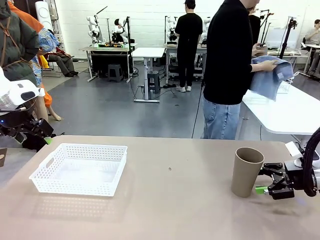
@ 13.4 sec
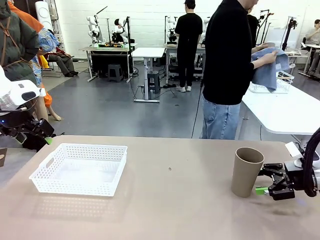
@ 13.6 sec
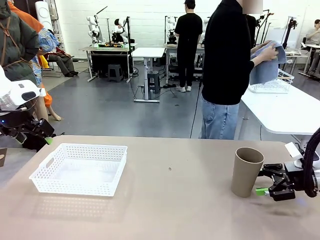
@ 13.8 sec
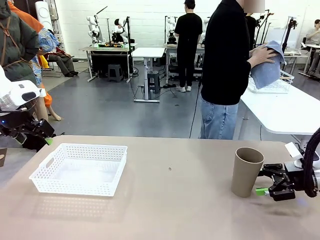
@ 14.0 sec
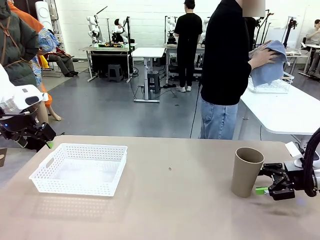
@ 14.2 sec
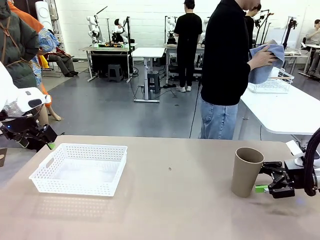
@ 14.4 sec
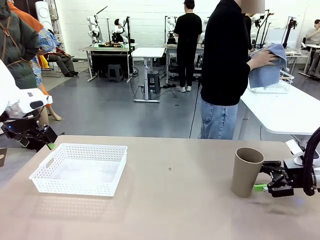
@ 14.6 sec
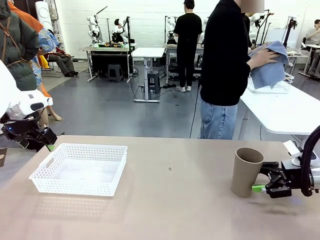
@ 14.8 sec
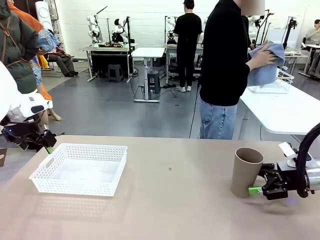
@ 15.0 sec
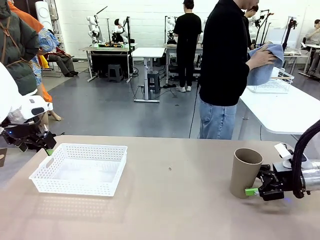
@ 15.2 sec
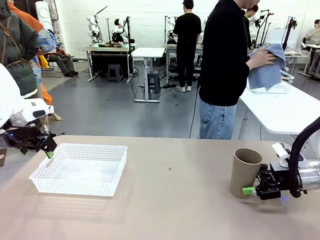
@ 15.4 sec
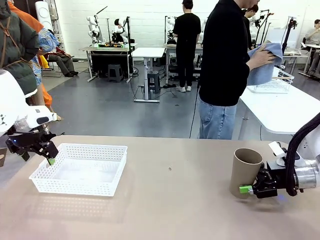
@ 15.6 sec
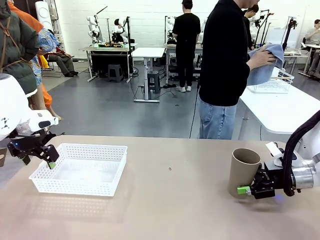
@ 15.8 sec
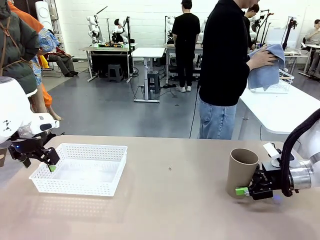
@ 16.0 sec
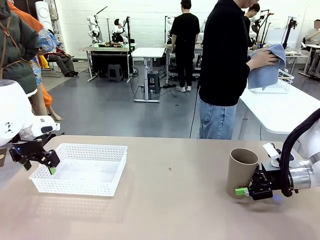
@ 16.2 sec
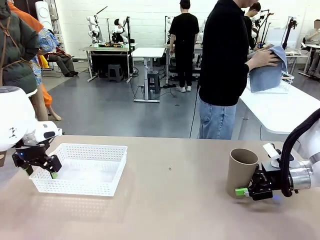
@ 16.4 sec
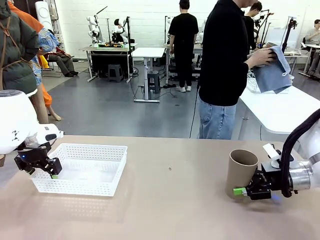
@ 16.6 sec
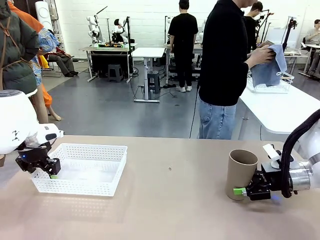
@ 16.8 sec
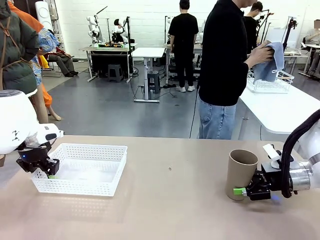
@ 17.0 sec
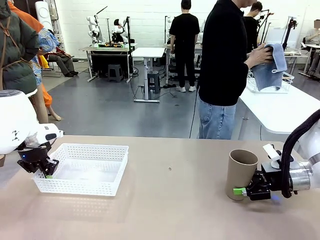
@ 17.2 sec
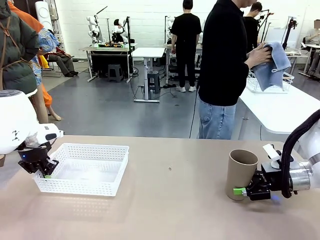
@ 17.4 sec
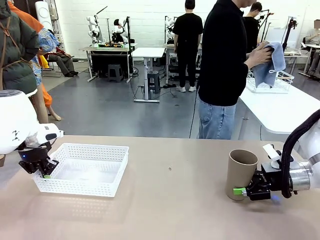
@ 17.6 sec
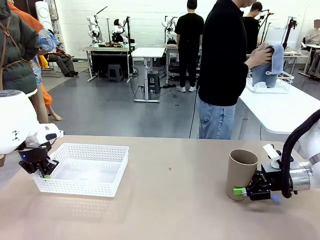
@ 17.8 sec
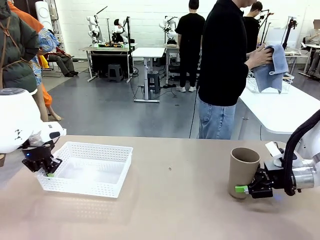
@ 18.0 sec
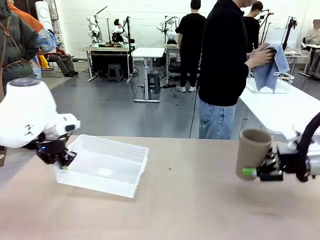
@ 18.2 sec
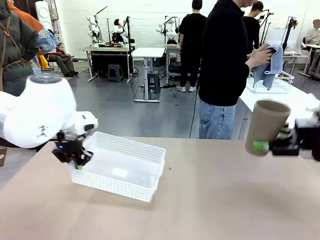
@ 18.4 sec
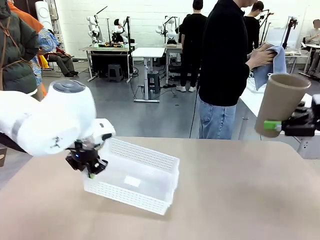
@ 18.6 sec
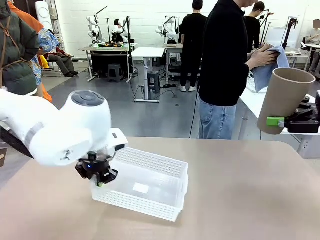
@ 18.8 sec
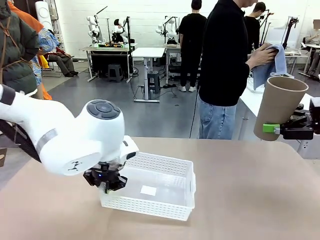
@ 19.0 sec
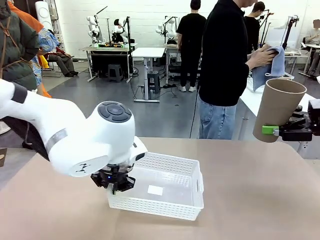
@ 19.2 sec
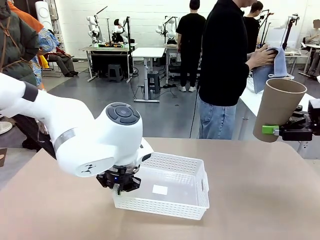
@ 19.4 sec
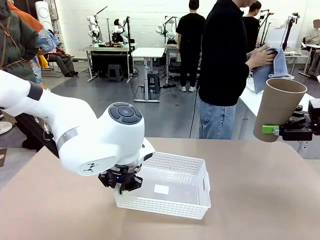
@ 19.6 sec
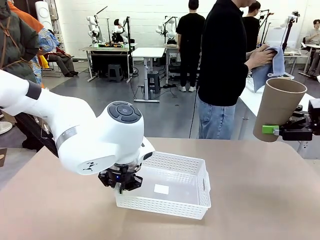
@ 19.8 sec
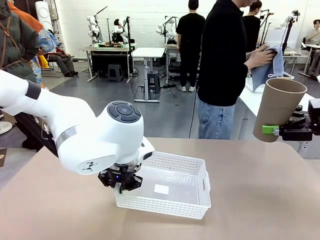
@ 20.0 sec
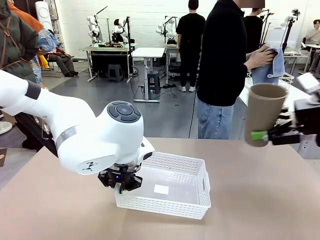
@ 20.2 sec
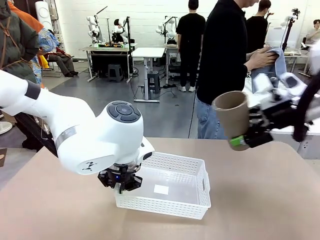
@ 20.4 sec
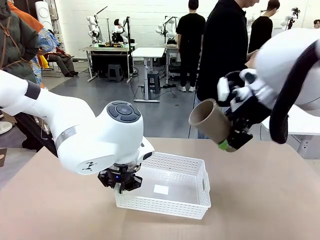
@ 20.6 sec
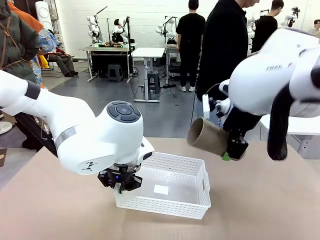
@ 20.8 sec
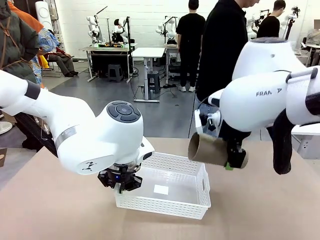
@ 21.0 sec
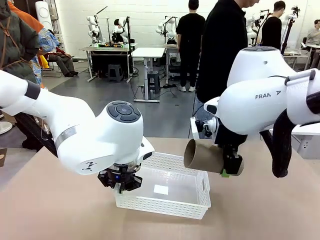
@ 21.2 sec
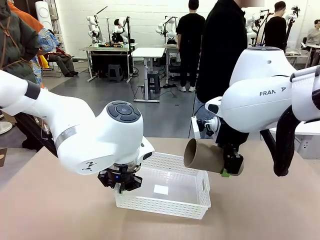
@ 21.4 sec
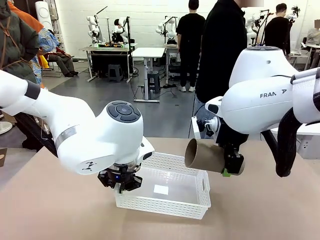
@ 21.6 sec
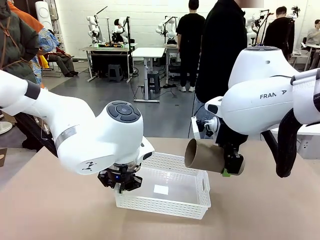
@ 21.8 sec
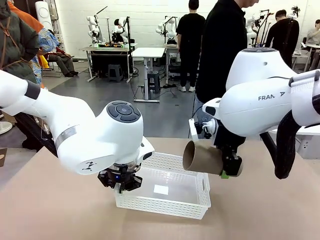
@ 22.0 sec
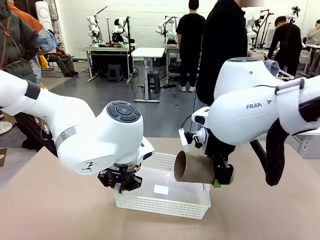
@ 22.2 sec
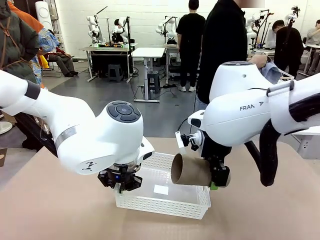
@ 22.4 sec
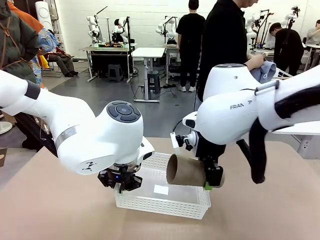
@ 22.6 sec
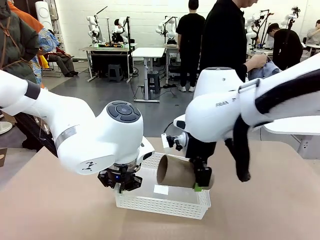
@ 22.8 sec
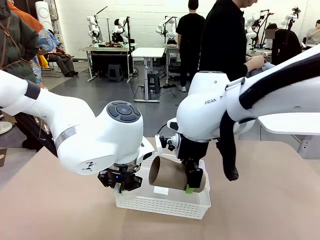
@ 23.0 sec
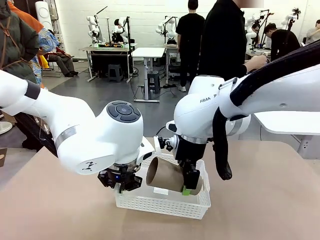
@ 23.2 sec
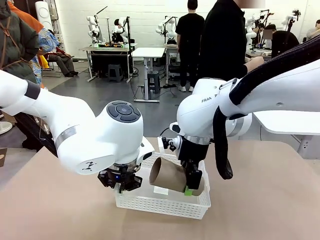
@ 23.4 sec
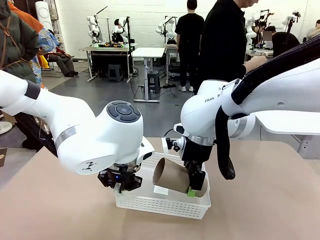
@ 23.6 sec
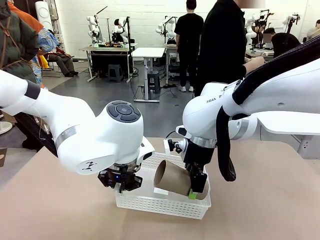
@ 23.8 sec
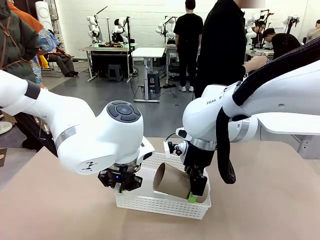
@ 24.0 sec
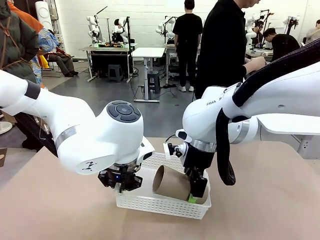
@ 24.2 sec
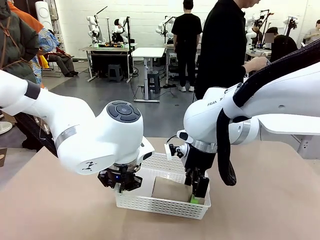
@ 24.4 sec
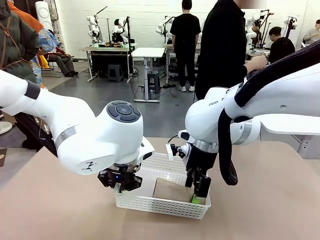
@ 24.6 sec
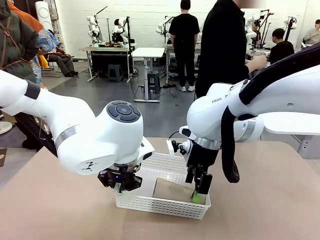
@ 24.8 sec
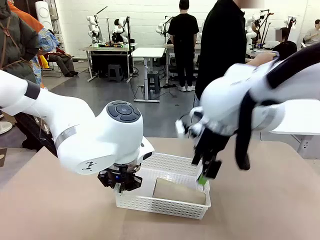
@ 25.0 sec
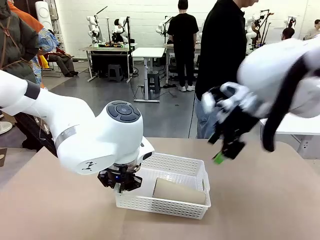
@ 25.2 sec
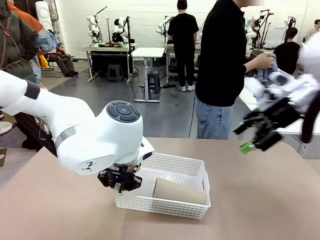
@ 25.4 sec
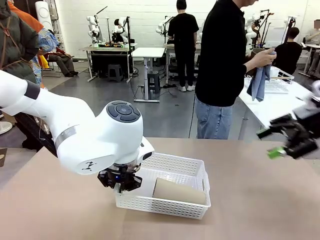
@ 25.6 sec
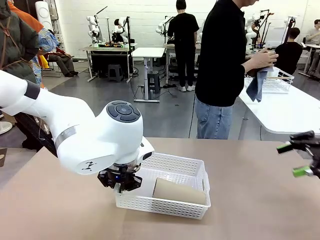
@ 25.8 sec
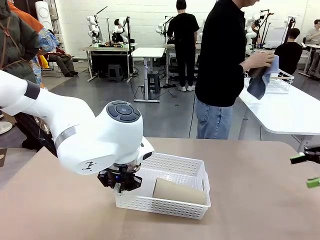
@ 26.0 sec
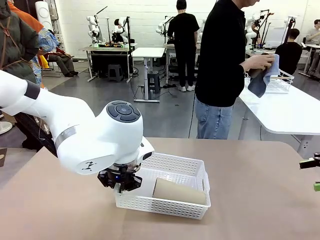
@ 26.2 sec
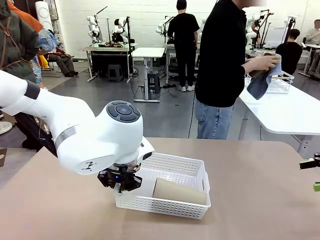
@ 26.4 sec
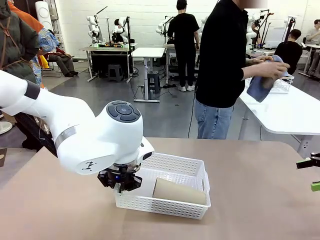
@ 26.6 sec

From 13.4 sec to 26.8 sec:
Task: Clean and organize the cups into the basket.
Robot: Pick up the Organizing basket and move it to the center of the table, then pick up the Reusable plastic cup from the right side of the table and place it inside the Organizing basket.
